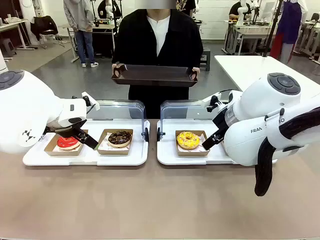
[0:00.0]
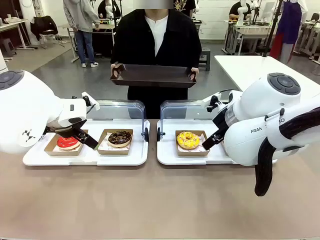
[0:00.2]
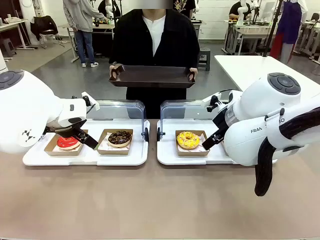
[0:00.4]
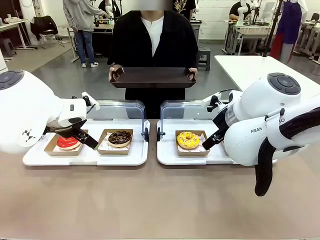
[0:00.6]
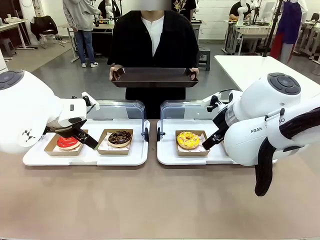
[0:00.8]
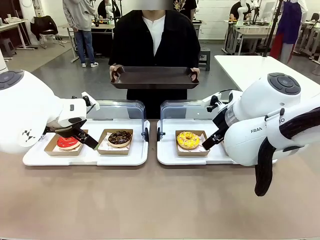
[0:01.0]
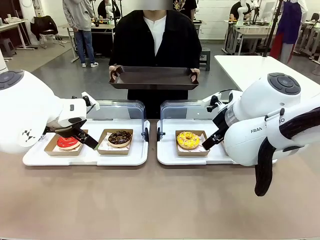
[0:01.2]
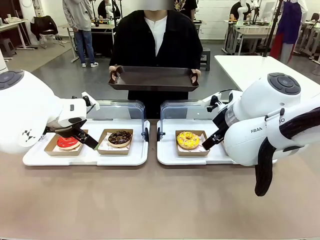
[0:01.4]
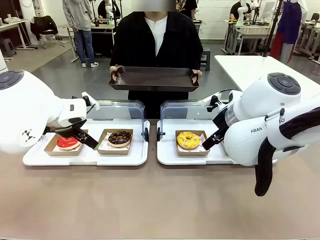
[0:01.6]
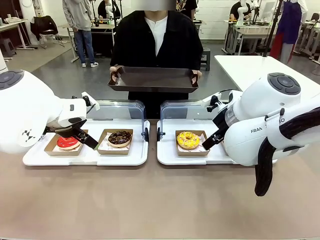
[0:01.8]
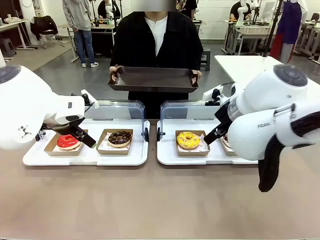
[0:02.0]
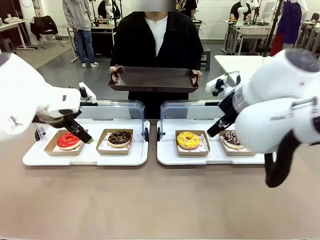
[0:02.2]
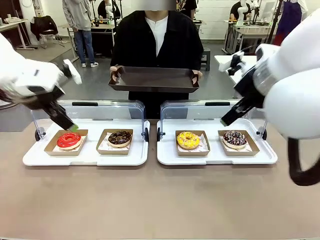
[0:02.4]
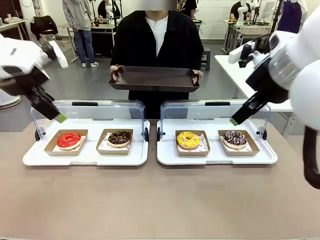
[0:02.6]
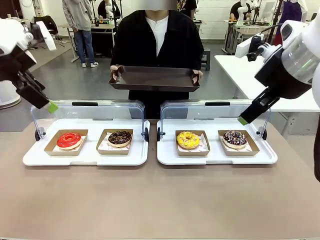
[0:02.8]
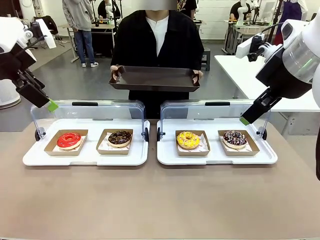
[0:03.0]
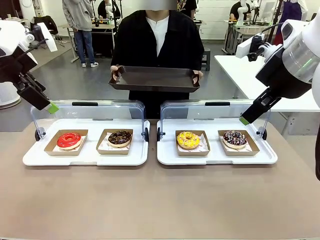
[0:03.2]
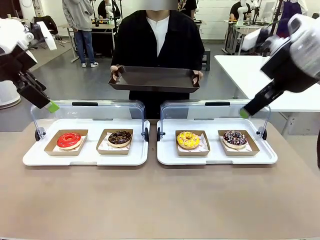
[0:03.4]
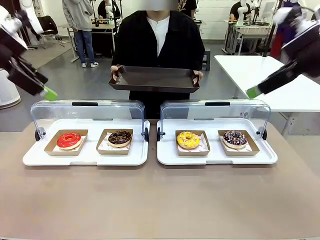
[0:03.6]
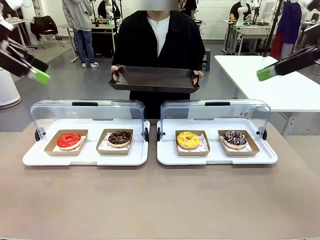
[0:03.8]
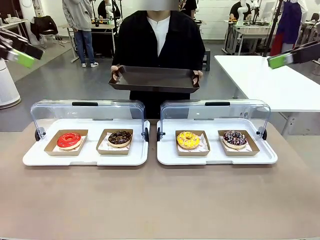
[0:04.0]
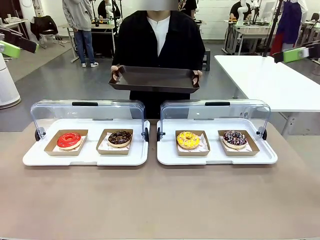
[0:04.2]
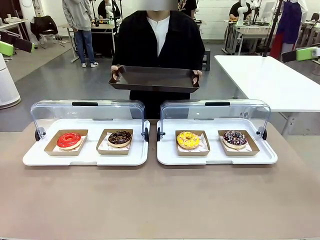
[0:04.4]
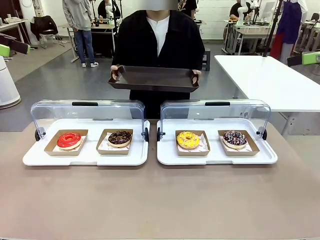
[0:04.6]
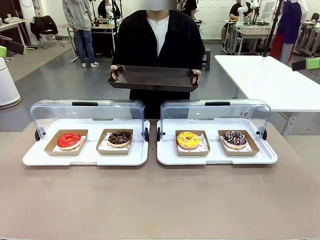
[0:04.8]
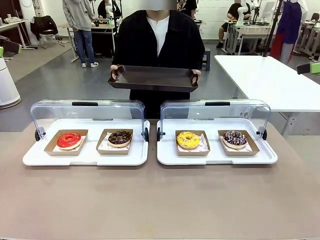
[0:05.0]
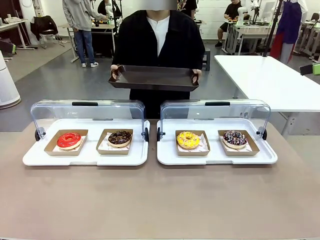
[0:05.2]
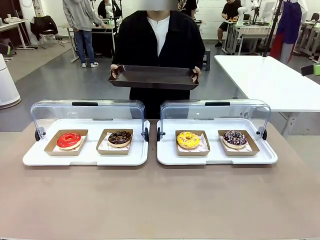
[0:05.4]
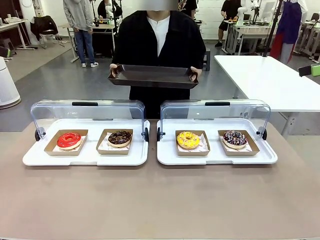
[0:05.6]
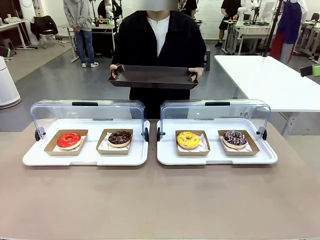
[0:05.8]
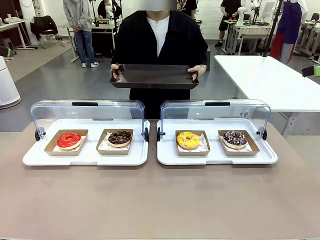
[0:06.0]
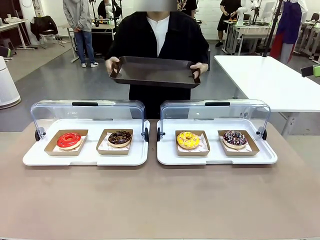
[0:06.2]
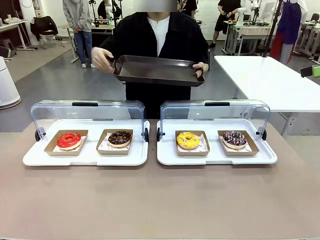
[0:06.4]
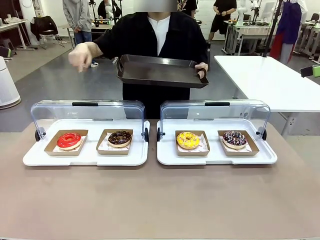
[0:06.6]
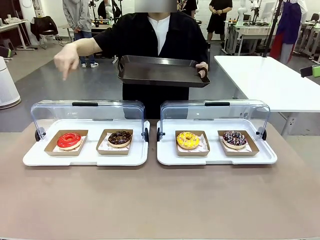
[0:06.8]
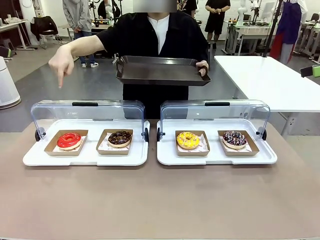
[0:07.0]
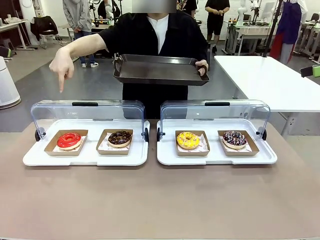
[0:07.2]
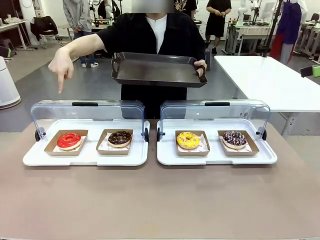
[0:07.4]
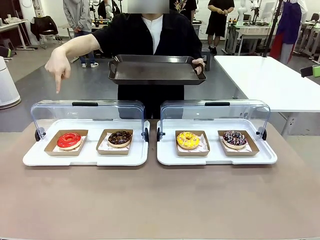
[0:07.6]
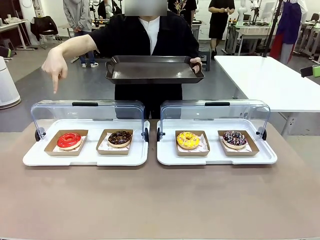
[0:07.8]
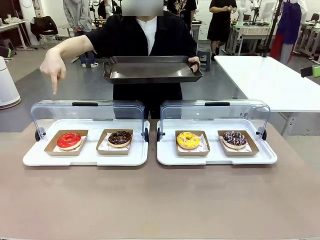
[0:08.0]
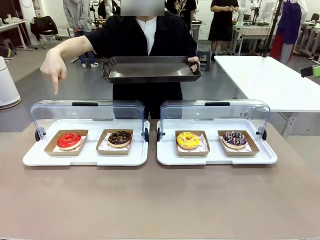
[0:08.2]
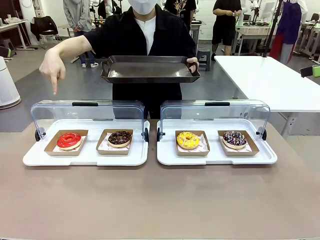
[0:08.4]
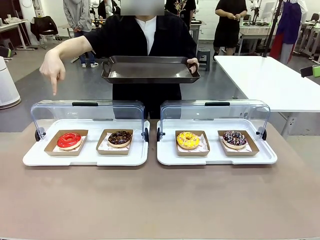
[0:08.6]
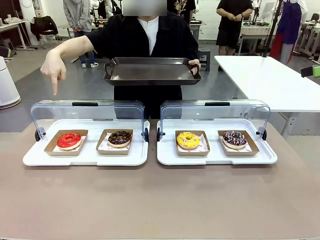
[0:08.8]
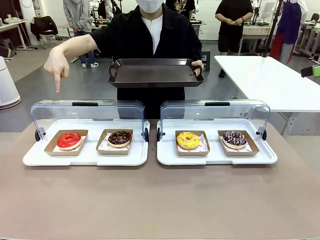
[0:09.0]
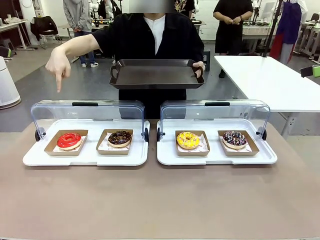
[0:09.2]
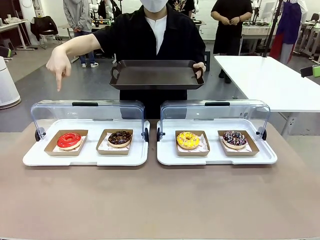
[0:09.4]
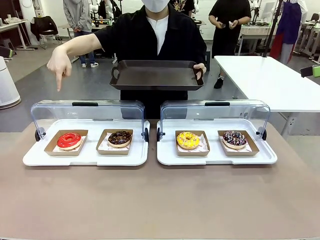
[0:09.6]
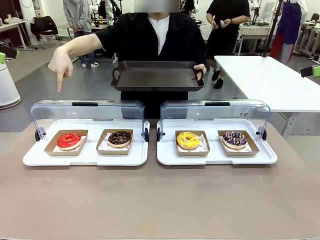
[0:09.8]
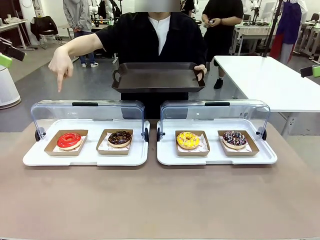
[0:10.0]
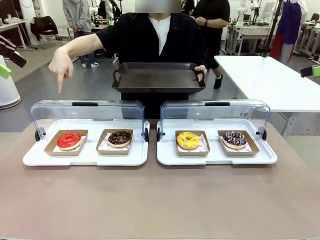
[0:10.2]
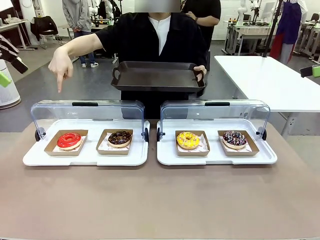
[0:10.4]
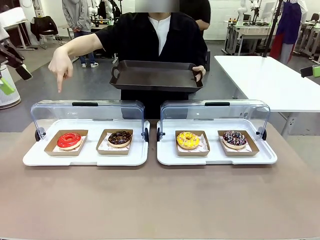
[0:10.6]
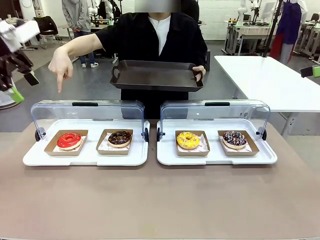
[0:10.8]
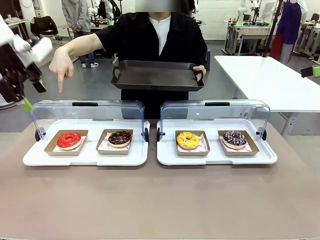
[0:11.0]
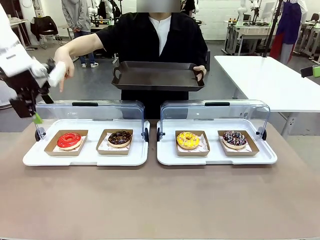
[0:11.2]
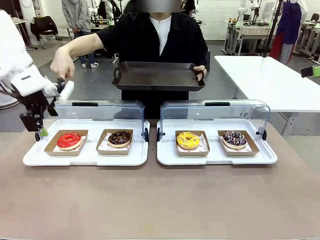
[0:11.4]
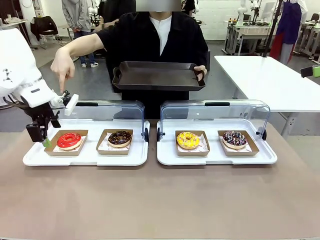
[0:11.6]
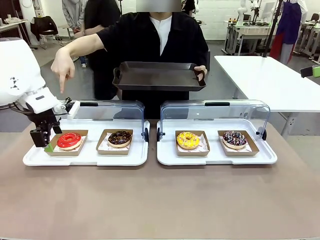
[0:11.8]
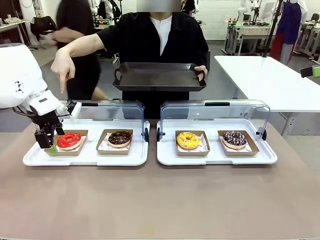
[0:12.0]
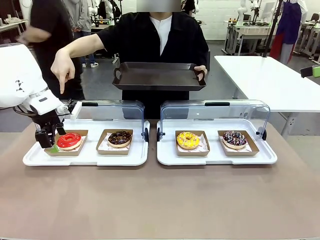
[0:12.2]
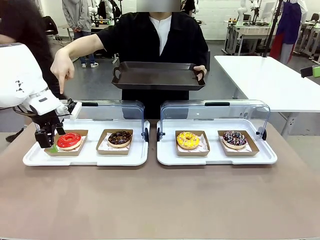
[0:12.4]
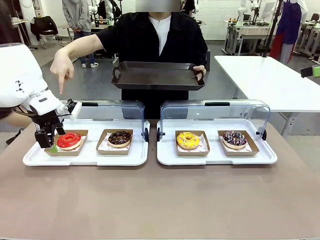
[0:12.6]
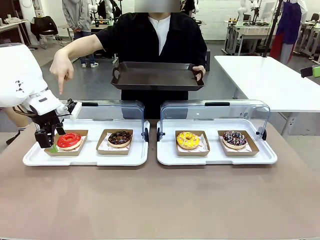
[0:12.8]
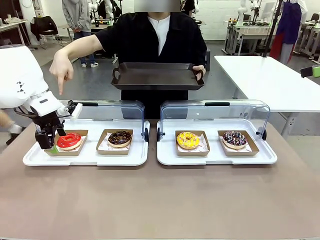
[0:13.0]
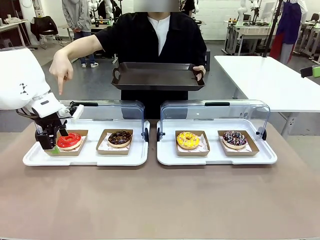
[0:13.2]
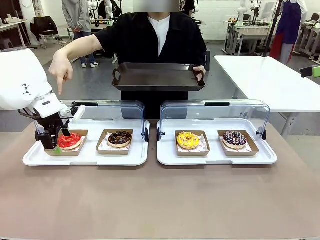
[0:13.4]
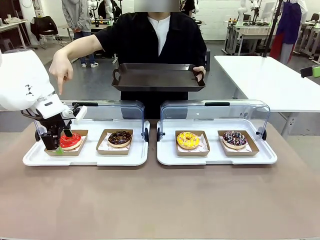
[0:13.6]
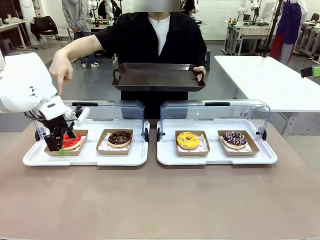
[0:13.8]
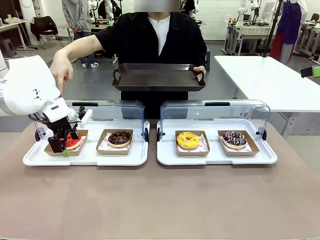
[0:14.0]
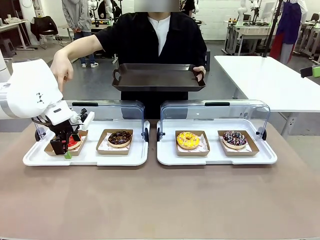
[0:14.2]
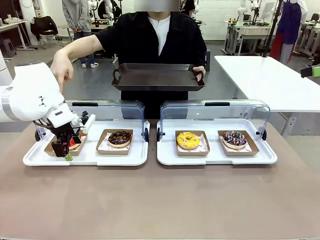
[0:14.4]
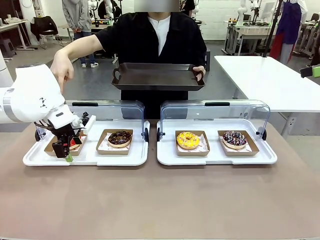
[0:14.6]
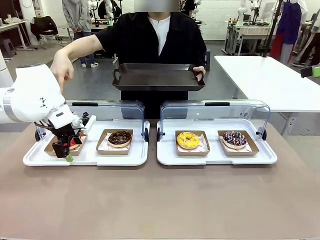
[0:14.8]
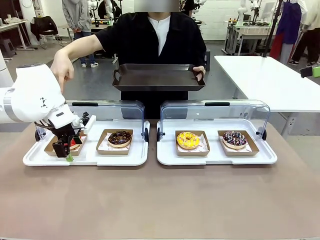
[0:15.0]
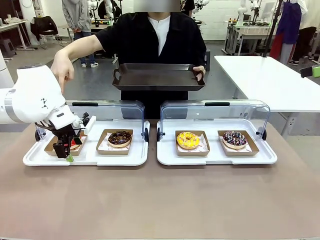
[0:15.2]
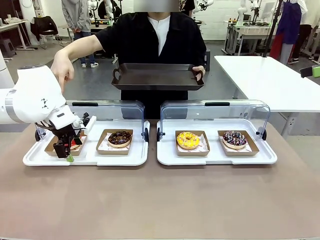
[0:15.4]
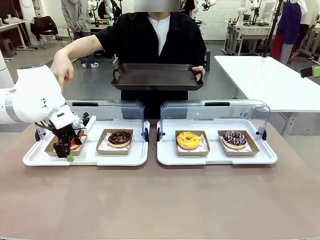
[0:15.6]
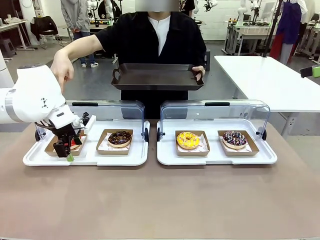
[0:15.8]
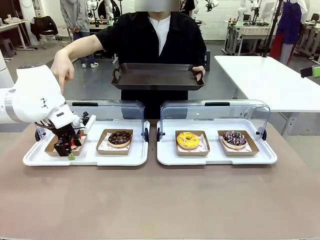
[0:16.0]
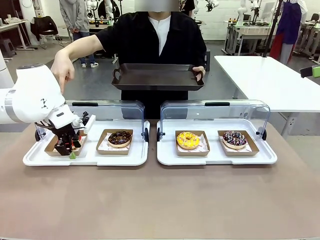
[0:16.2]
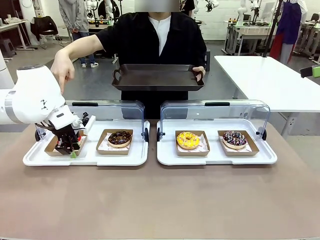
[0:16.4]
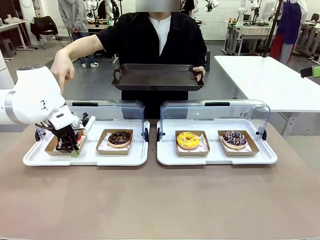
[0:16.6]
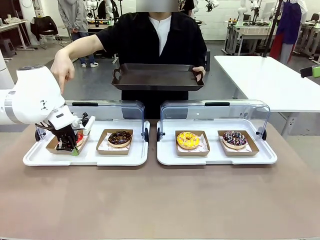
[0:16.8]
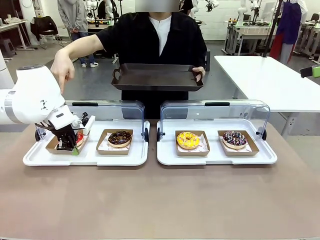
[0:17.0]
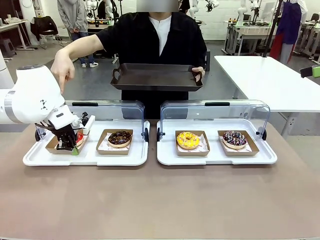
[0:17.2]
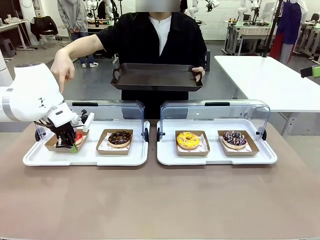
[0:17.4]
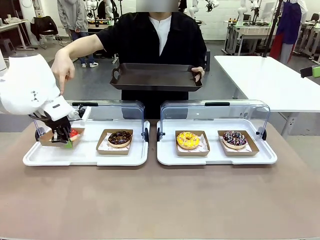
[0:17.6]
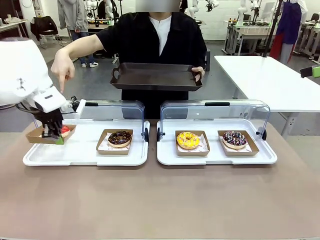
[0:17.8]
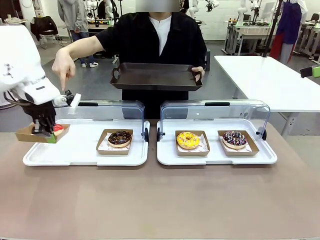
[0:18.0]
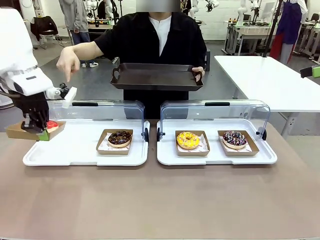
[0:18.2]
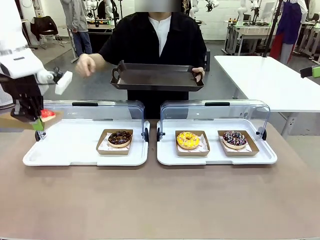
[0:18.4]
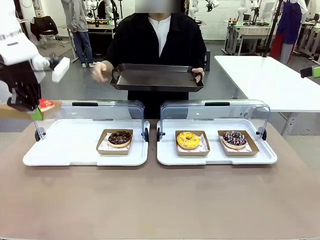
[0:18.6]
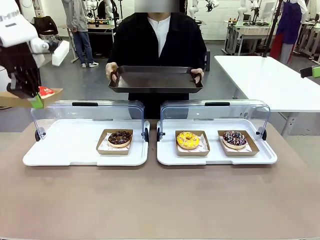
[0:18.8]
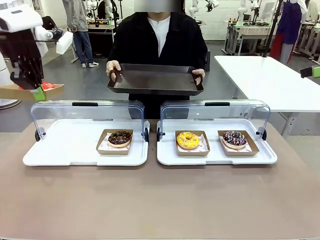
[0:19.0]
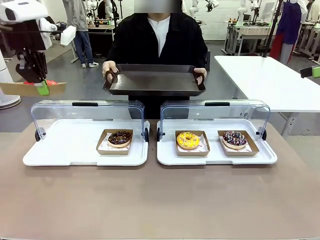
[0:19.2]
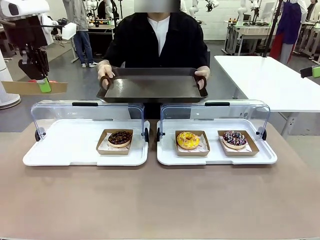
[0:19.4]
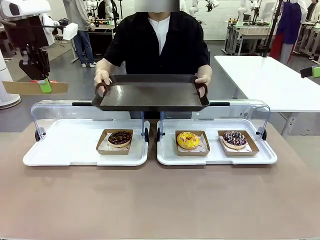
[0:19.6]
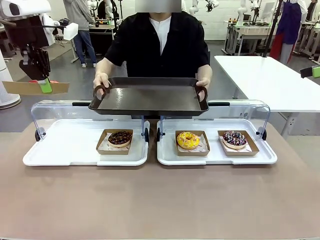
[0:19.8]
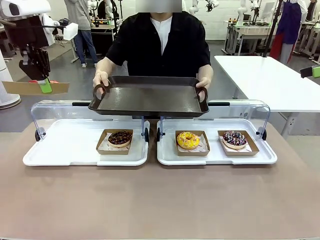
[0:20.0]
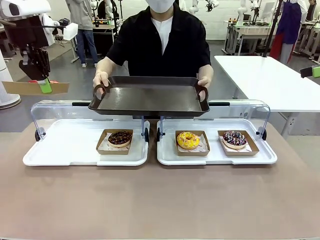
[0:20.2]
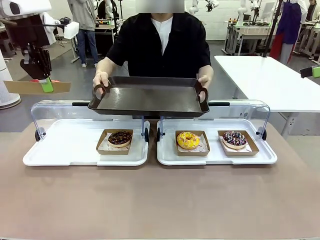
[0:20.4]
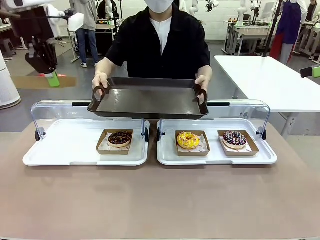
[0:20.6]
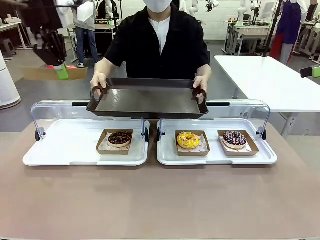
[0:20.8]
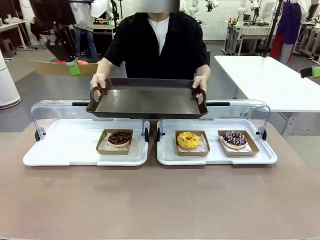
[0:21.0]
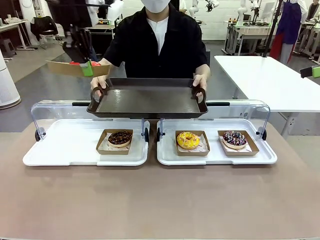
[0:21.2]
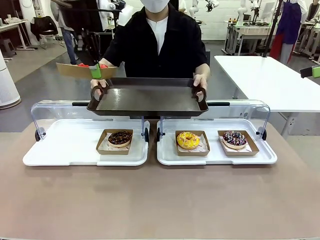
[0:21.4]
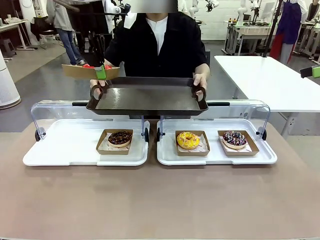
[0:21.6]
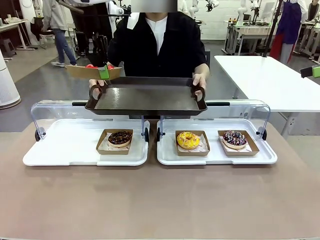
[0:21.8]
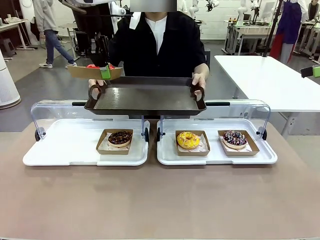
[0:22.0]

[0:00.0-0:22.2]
Task: Provide the desired donut to the person.
Robot: Pick up and lift the Paper togo box containing the Donut pointed at by the person.
Person: Point to one donut. Lift the tray onto the Roll-Top Bakery Case.
